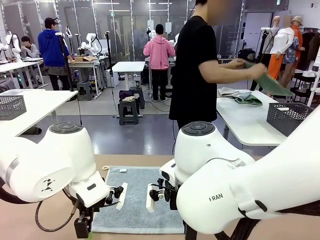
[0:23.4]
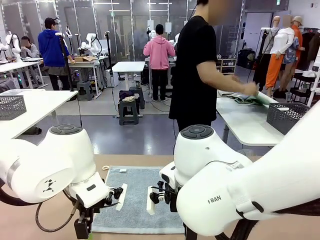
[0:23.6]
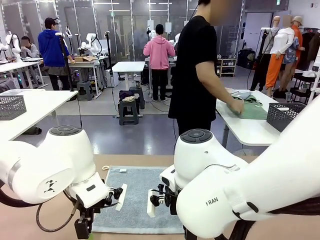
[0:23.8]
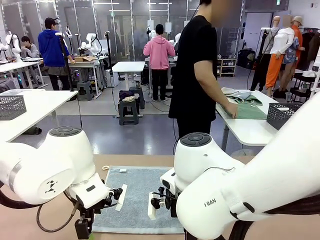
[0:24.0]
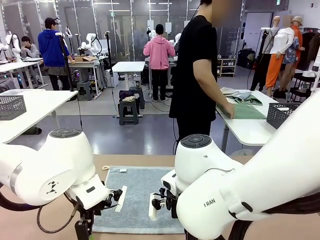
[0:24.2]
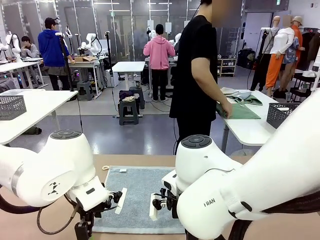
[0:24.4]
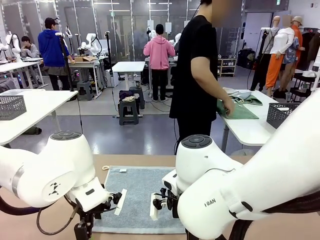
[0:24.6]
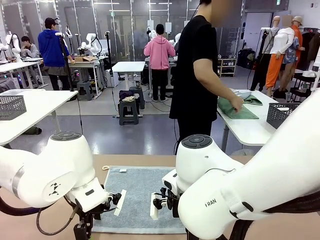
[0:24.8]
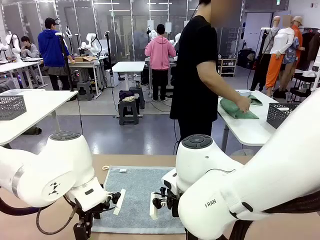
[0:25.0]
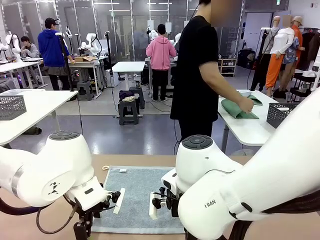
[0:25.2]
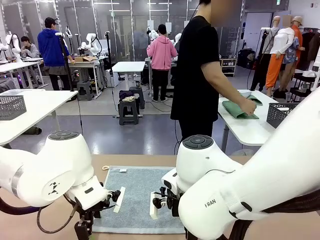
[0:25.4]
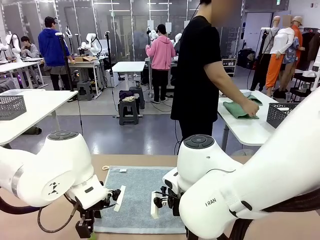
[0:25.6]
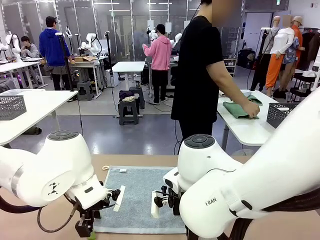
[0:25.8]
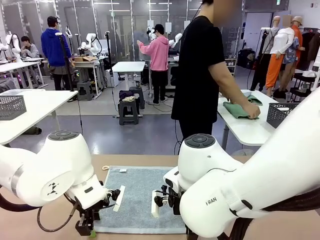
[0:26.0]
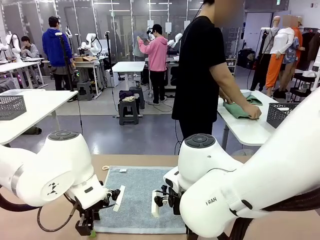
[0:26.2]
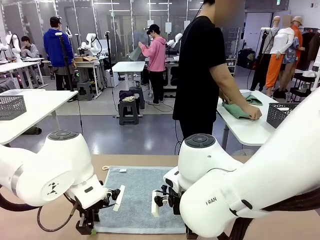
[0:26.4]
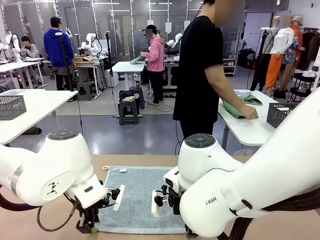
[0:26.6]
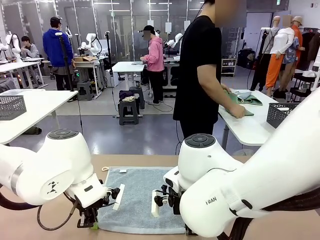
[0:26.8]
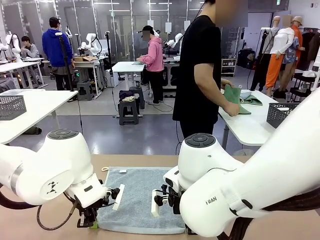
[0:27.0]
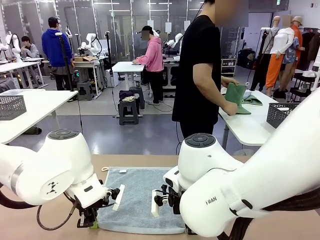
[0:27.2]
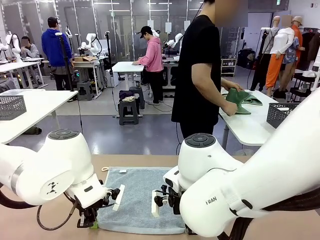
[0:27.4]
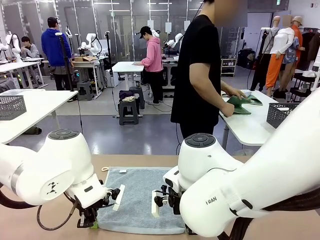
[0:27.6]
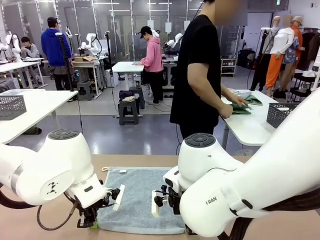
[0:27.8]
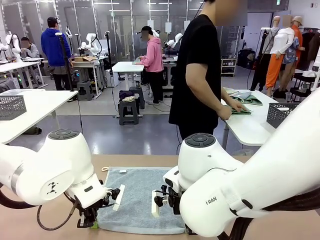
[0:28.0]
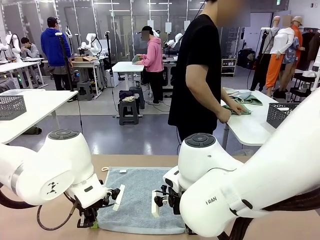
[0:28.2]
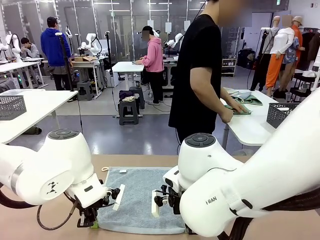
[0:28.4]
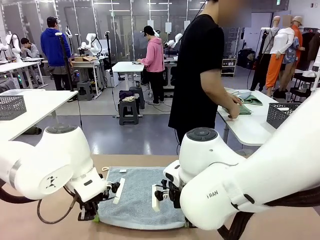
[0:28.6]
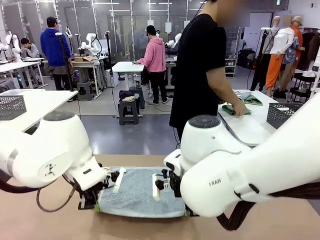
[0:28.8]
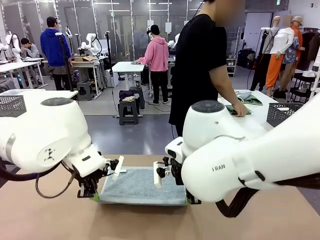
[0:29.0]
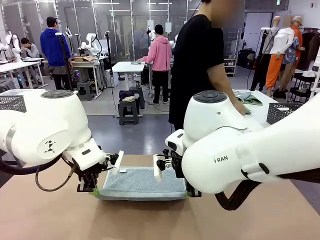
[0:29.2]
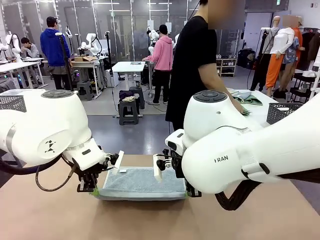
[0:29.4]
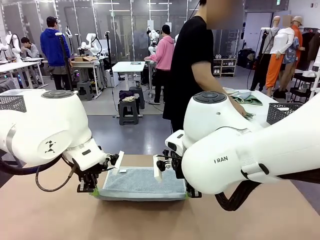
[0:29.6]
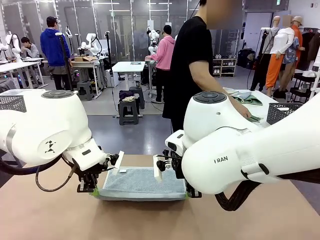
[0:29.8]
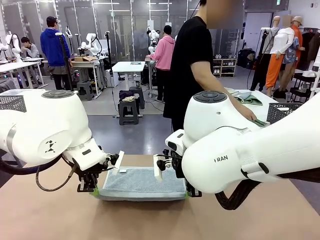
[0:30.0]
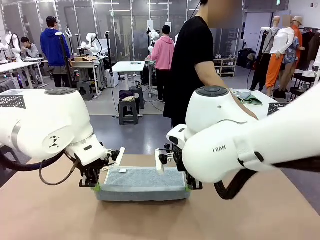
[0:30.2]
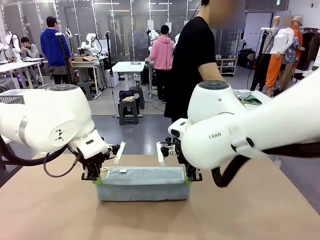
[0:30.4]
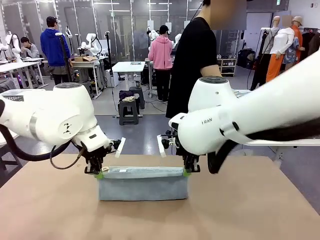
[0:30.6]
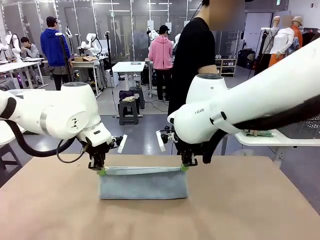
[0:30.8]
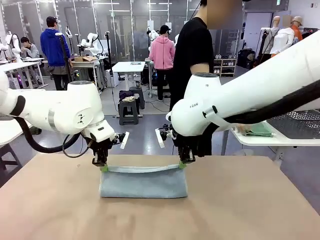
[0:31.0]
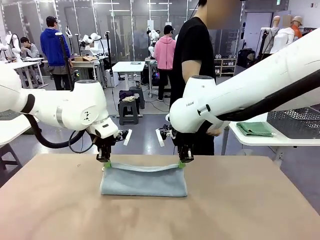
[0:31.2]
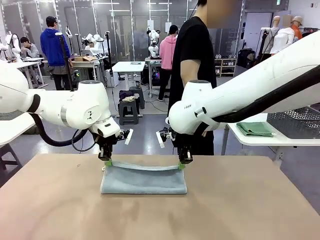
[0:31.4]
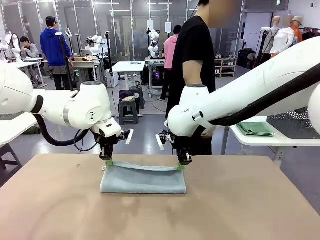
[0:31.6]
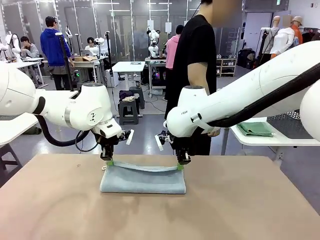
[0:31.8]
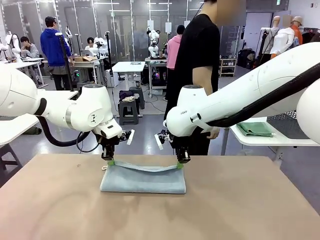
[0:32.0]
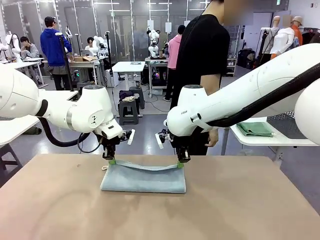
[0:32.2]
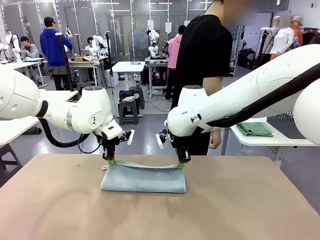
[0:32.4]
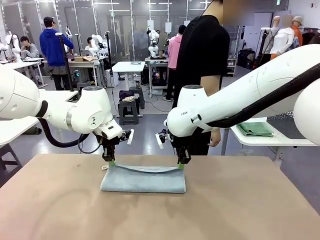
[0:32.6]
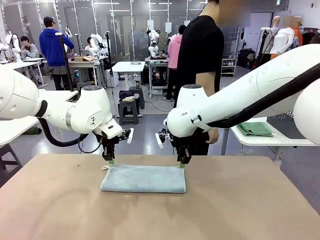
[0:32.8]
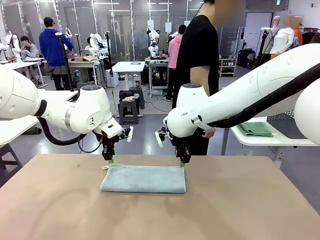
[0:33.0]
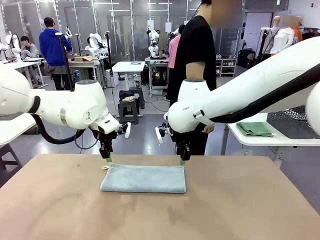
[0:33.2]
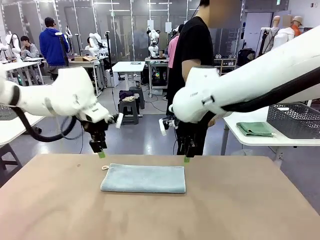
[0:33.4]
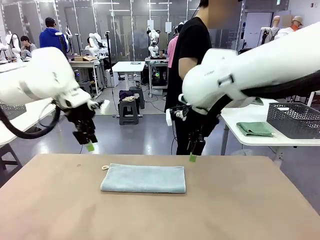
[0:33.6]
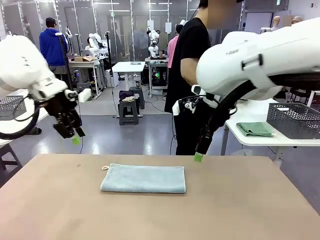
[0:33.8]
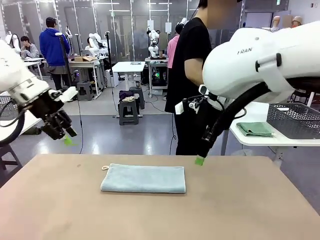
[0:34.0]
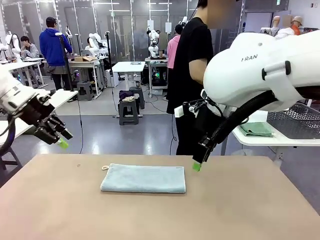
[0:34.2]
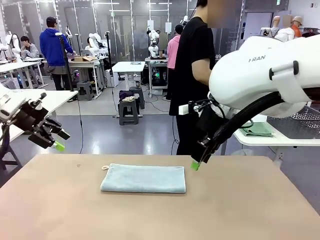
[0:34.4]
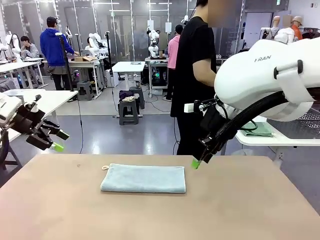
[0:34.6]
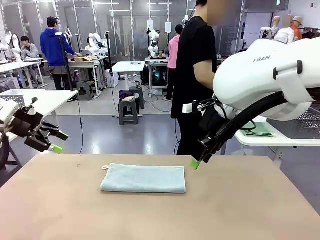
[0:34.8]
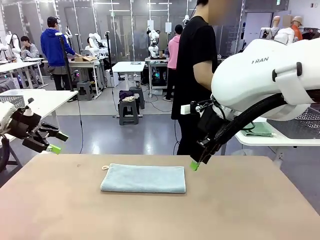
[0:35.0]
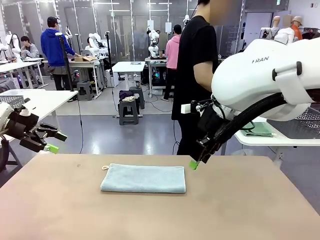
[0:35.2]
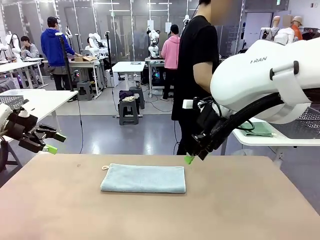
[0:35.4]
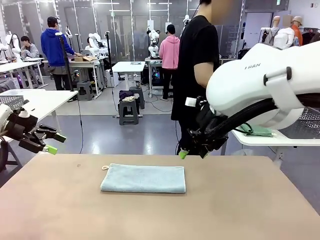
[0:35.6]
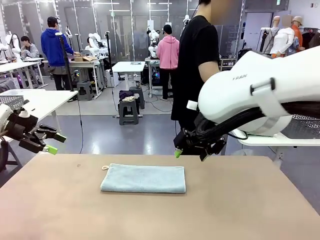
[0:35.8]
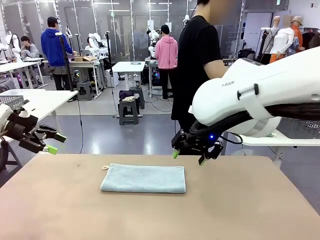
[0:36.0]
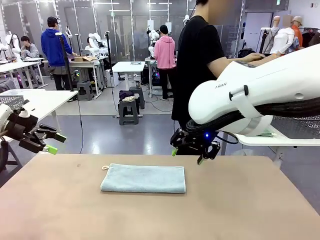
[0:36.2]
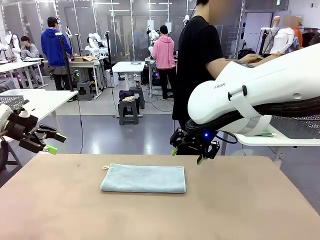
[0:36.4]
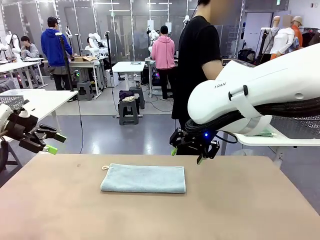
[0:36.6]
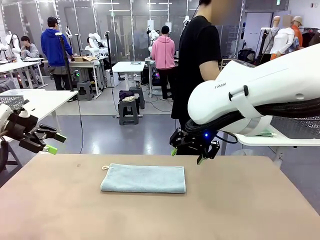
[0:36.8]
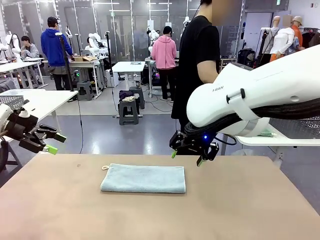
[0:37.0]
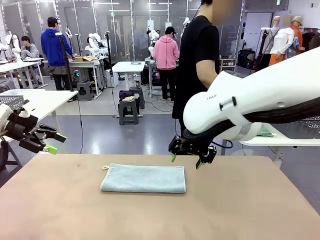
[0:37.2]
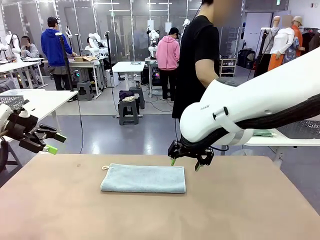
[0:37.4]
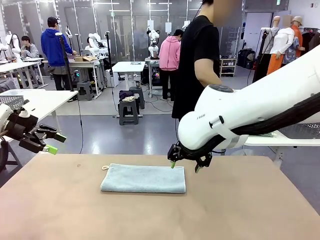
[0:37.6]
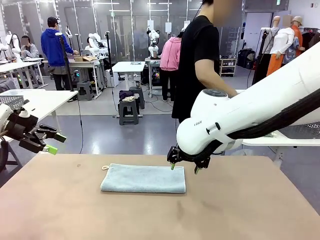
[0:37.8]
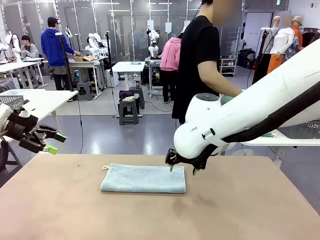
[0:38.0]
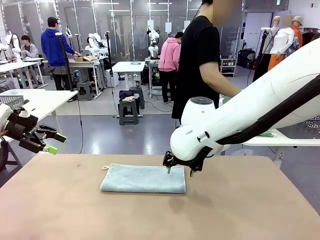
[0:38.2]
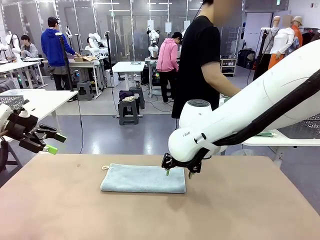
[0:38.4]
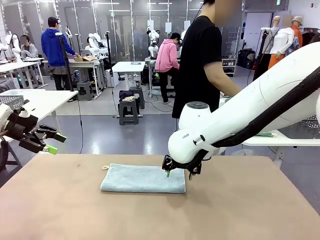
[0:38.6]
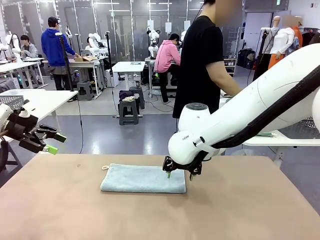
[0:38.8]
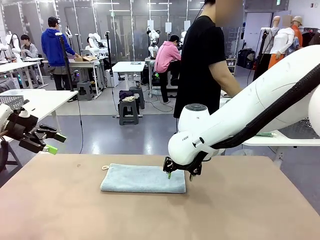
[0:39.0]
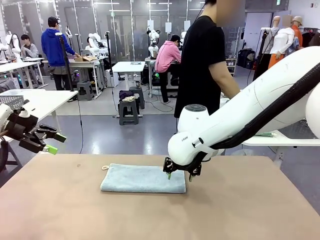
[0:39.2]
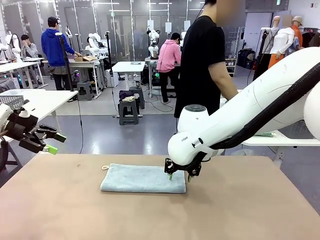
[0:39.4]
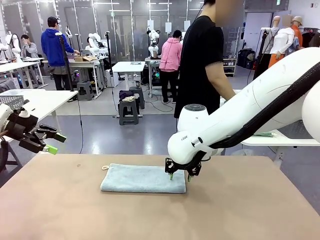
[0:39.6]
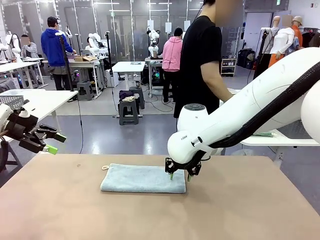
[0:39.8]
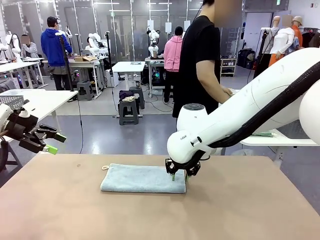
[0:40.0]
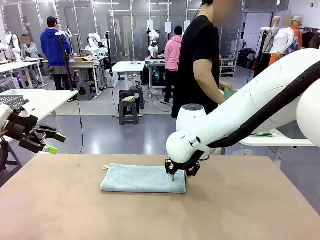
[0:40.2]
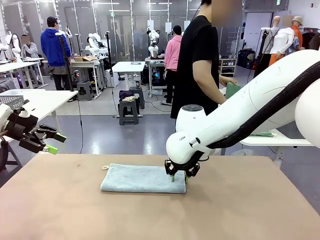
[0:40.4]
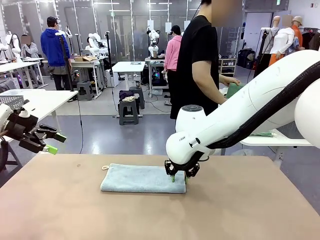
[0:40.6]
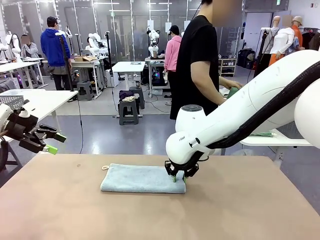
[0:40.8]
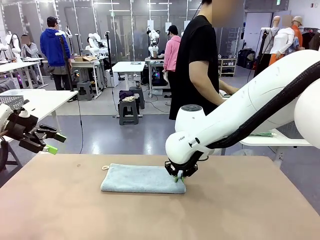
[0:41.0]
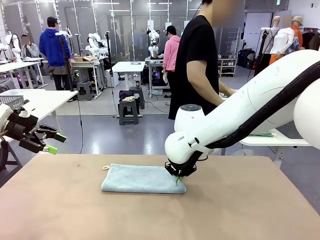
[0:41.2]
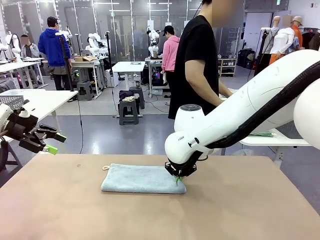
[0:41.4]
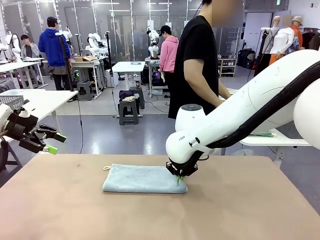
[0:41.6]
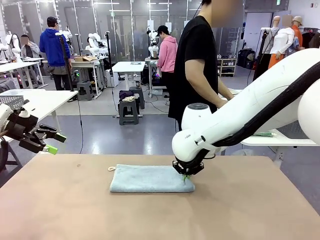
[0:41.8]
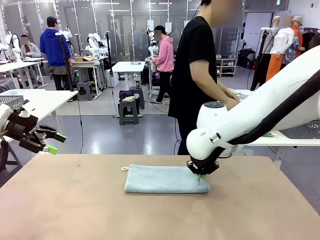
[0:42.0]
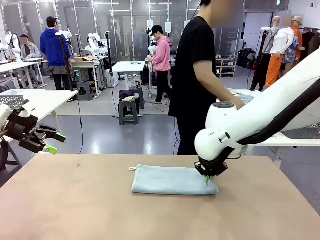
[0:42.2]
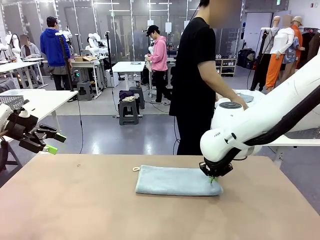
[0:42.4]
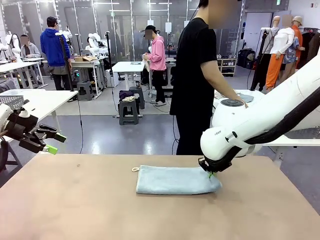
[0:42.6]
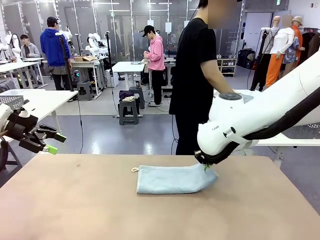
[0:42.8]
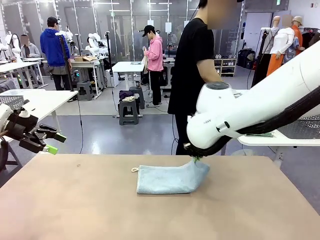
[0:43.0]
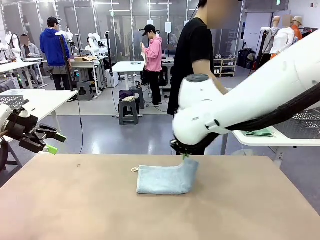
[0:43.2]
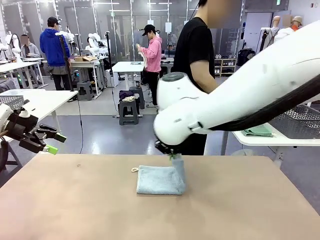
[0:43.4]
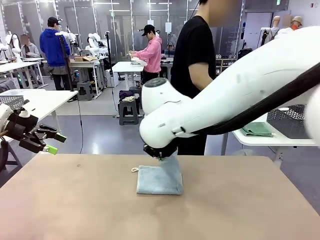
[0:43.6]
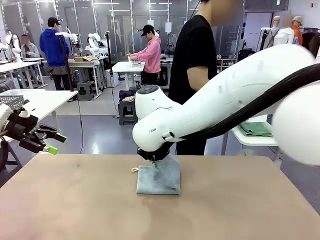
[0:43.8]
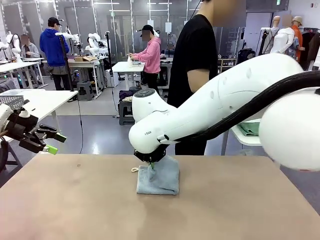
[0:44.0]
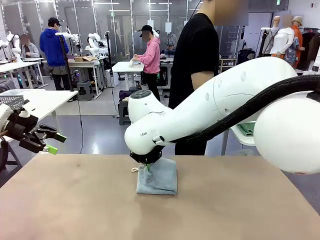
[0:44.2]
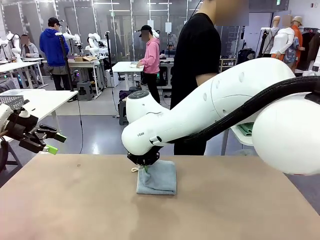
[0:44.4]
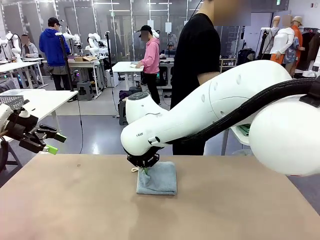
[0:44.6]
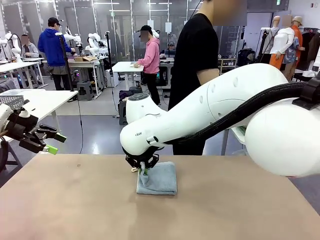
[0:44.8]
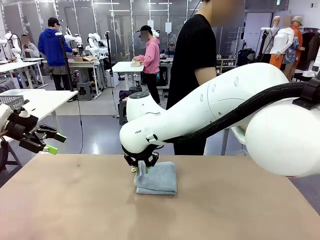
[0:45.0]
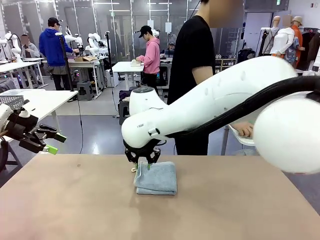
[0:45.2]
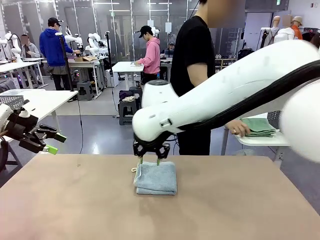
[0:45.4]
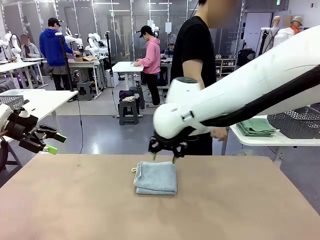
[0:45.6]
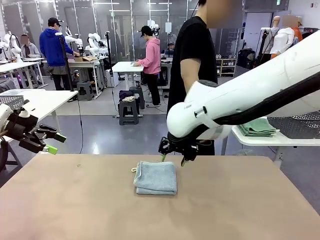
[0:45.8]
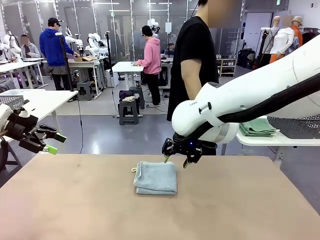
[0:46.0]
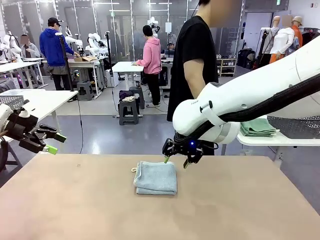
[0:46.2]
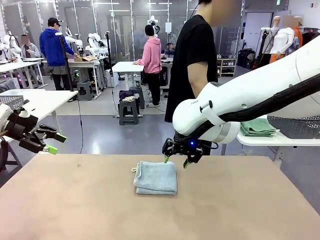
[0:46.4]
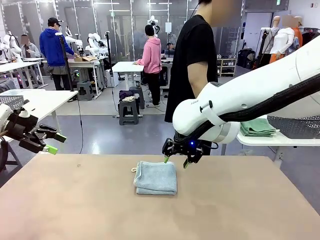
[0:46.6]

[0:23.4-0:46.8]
Task: Fold the towels and place them in the basket.
Robot: When a person lays out a Towel with hook on the table, fold it in half twice.
Person: Pick up one towel from the left side of the human table, fold it in half twice, and place it on the right side of the table. Pick up one towel from the left side of the human table, fold it in half twice, and stack it on the right side of the table.
